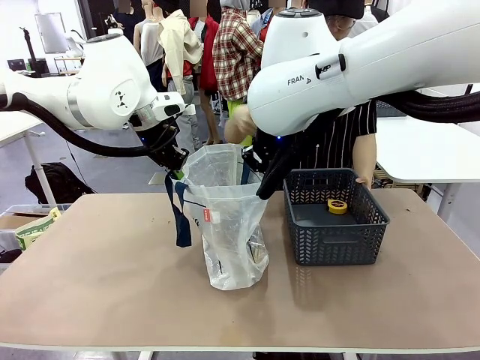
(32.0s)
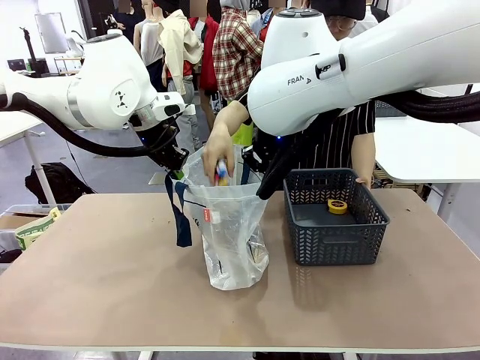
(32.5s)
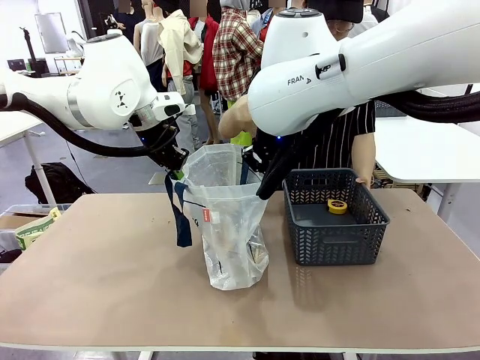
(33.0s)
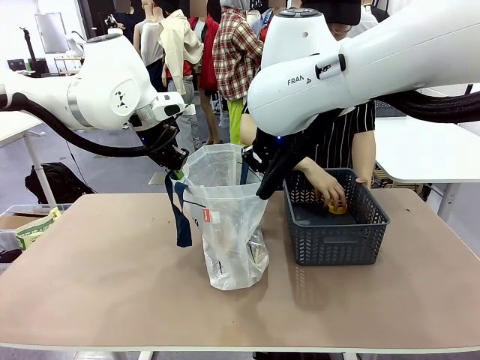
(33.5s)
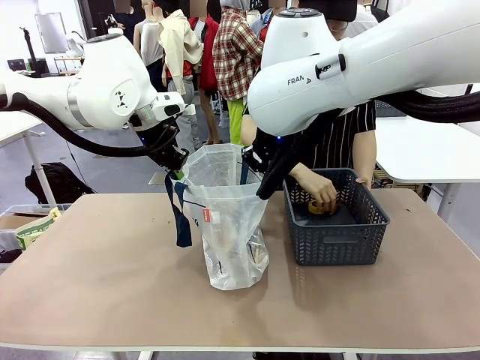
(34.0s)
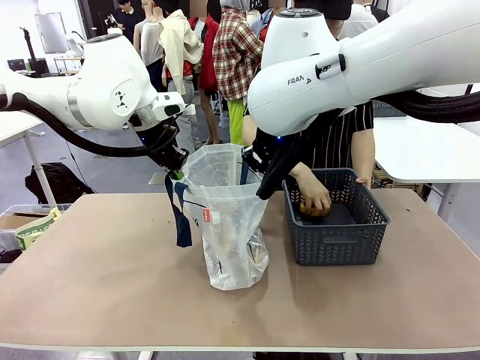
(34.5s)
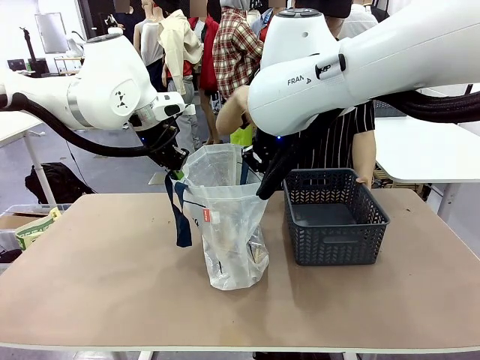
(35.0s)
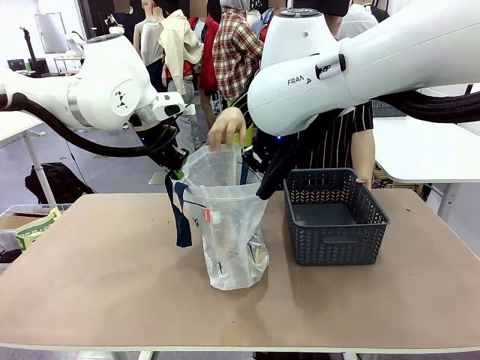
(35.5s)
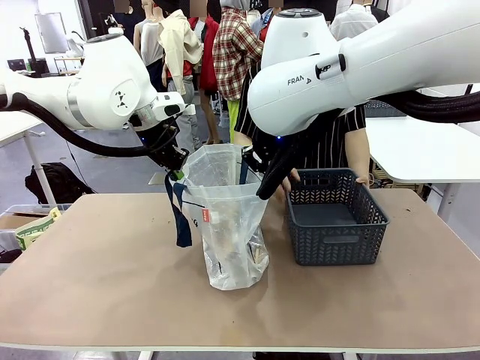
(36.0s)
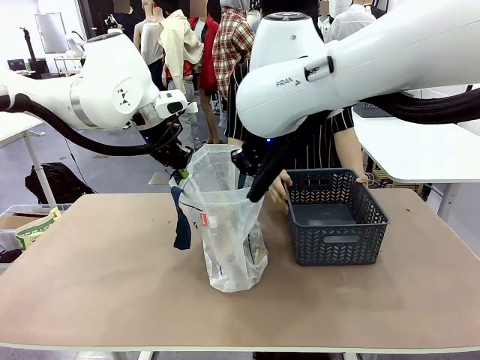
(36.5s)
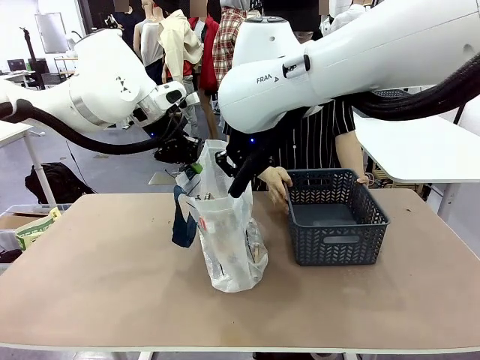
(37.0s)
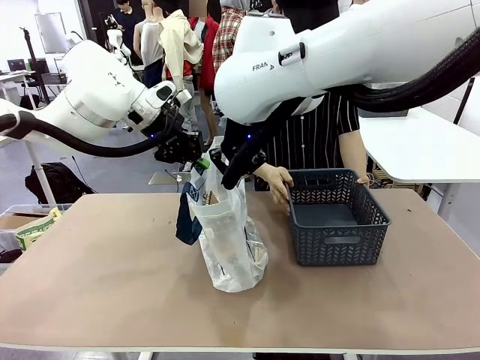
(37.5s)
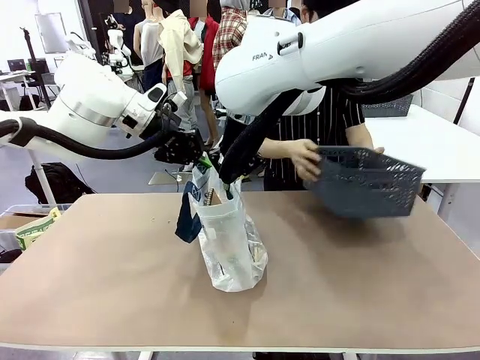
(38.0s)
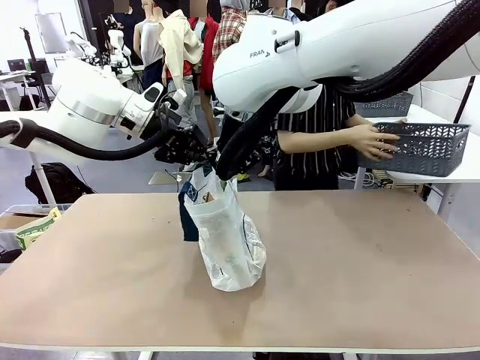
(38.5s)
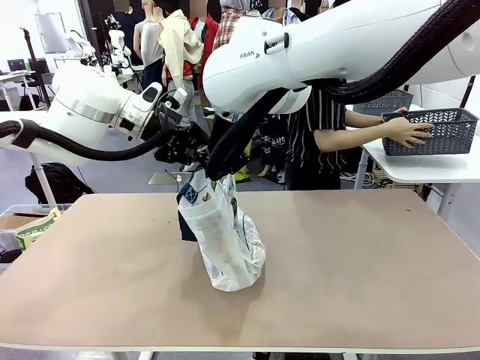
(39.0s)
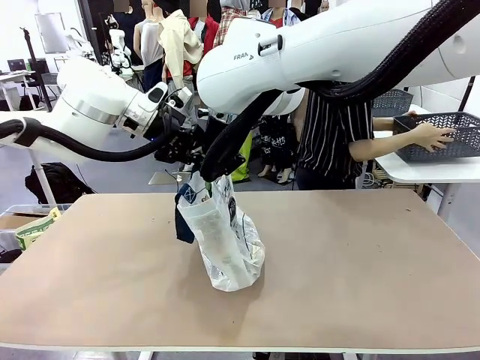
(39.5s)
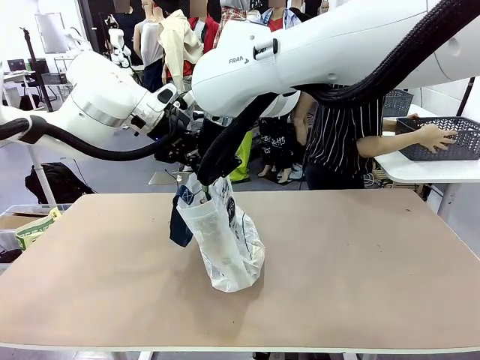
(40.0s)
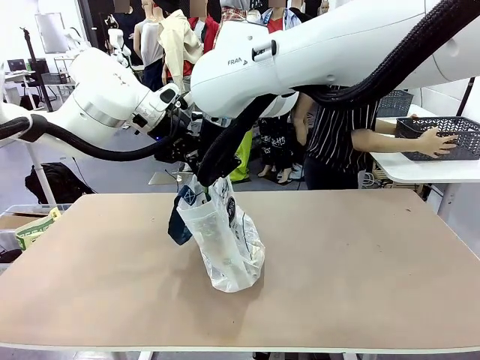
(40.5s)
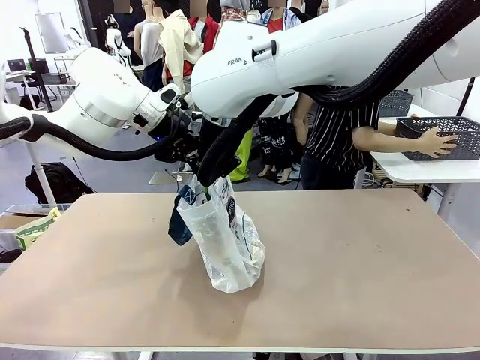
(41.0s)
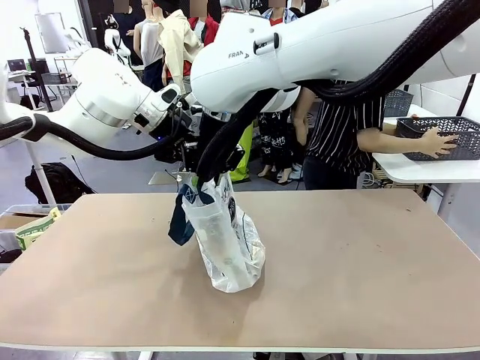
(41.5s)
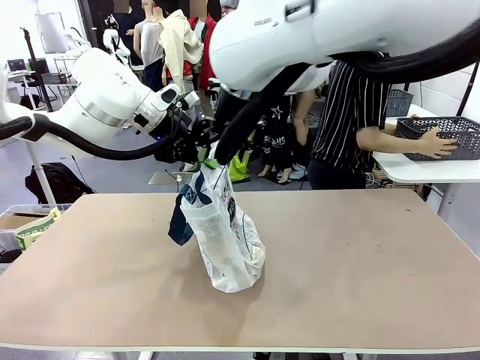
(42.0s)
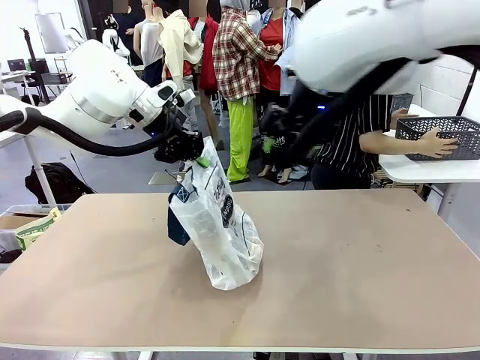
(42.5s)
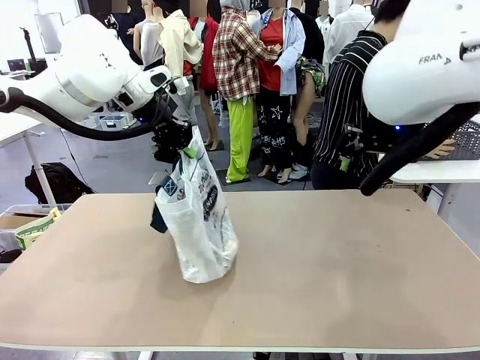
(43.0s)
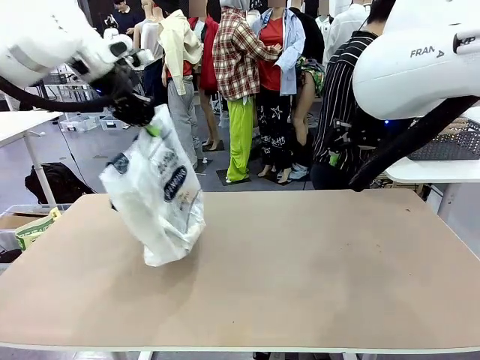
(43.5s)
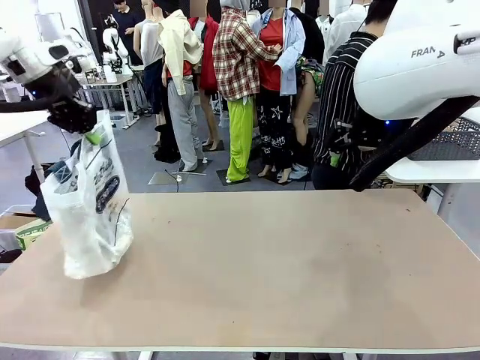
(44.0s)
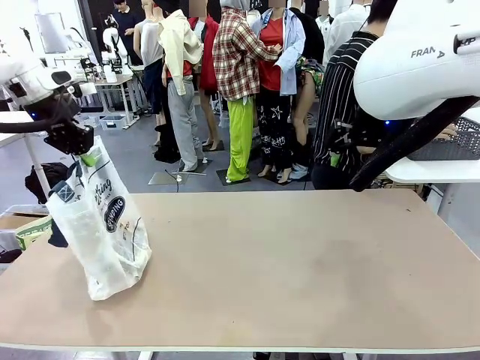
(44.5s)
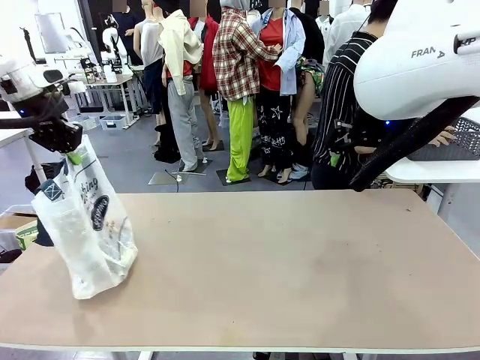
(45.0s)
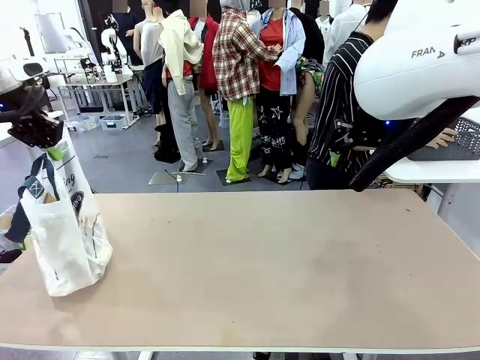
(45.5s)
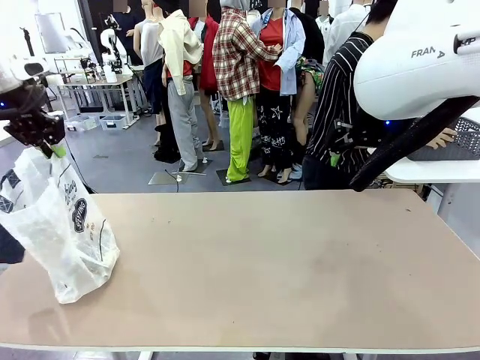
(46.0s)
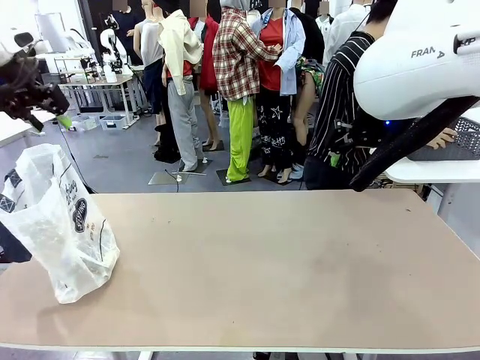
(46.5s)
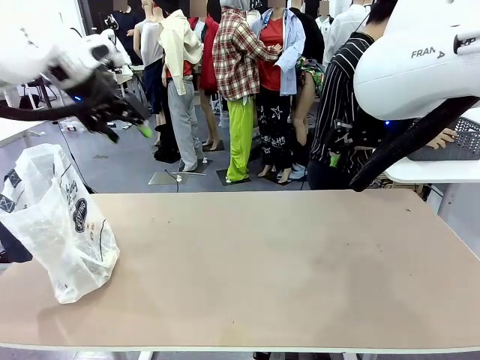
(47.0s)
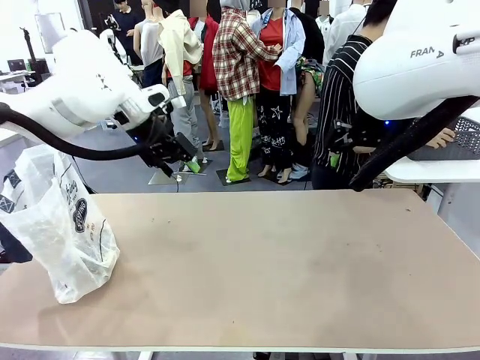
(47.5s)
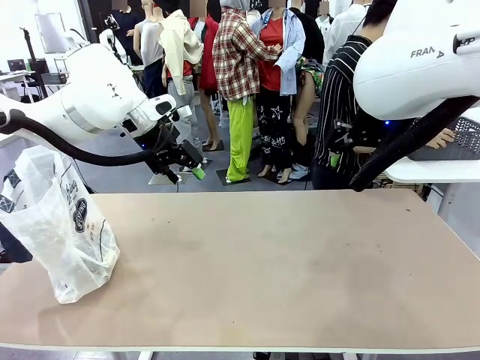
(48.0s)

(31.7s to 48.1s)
Task: Transfer purchased items from the store into the shopping bag.
Robot: Move the Reusable shopping bag to the right side of the table.
Person: Move the basket on the left to the middle of the person's table.

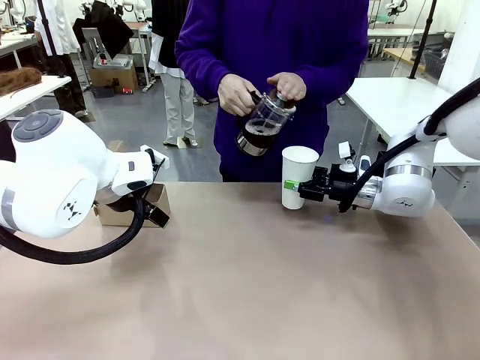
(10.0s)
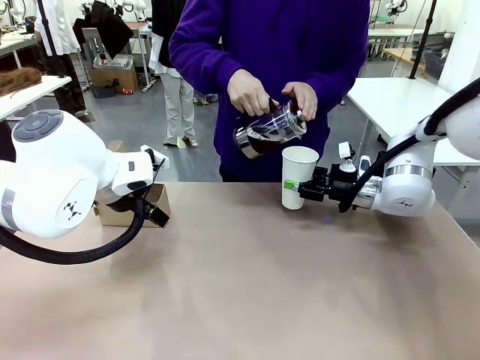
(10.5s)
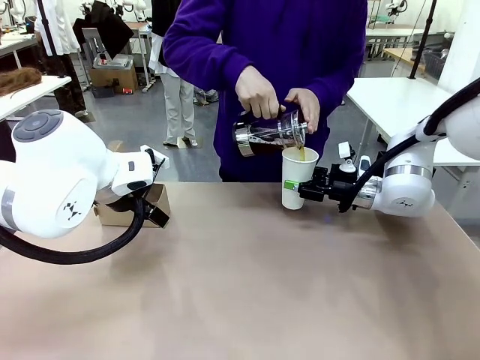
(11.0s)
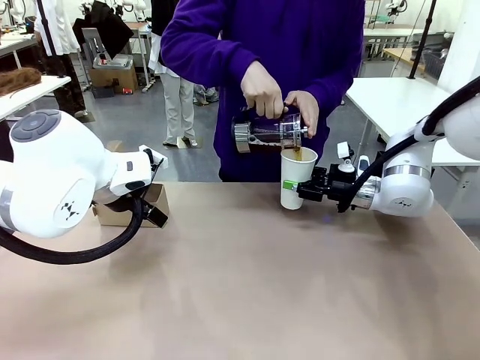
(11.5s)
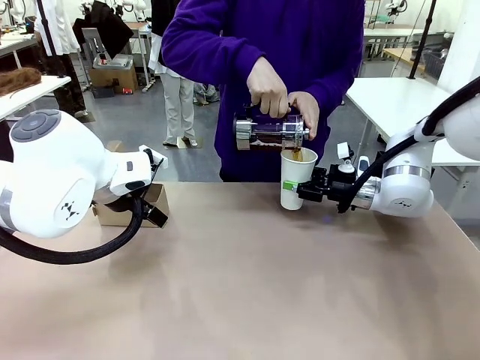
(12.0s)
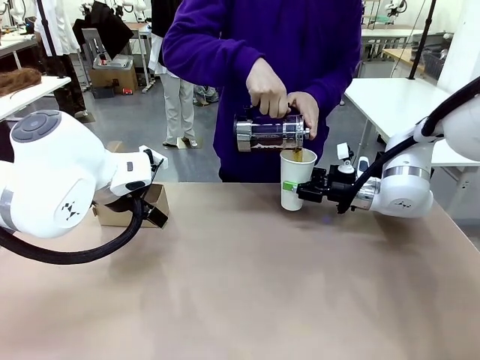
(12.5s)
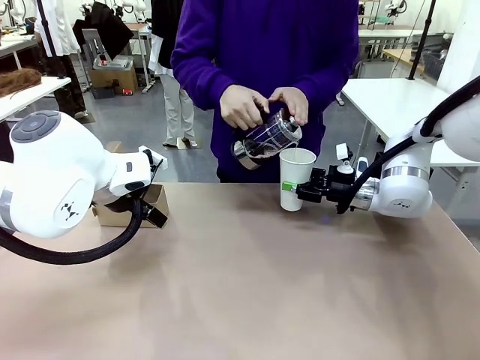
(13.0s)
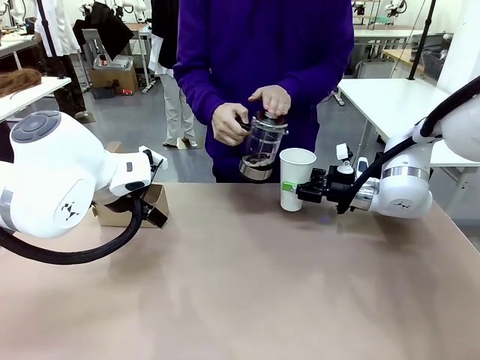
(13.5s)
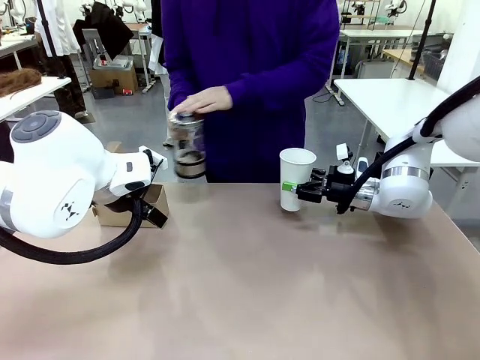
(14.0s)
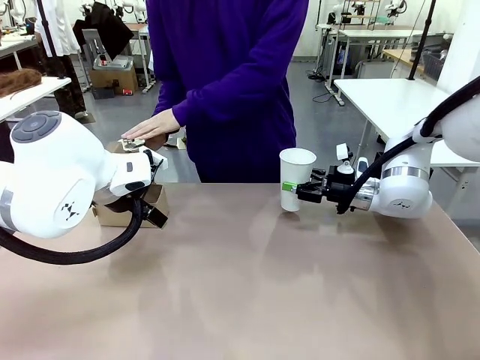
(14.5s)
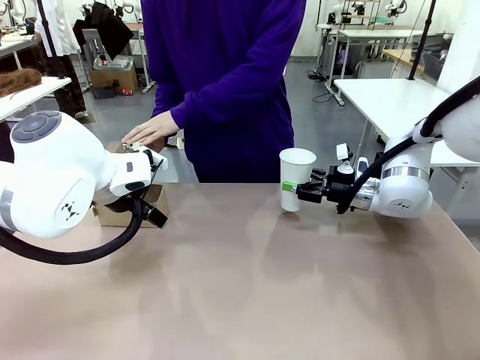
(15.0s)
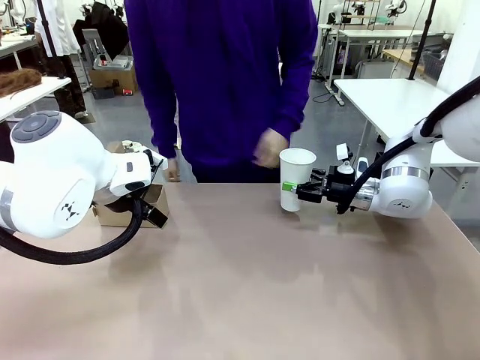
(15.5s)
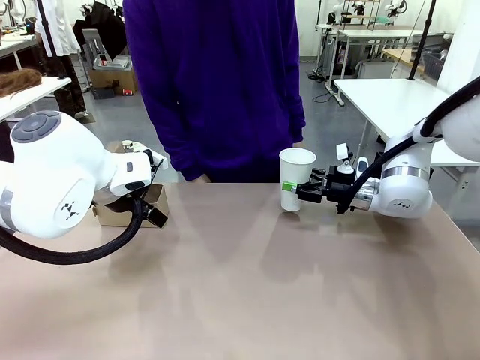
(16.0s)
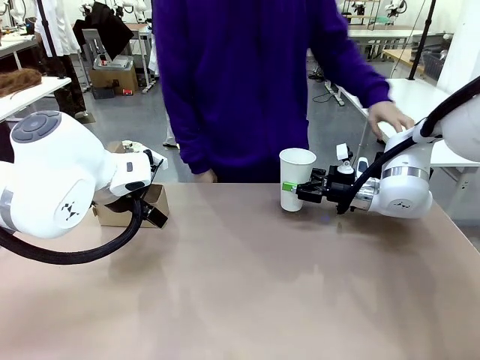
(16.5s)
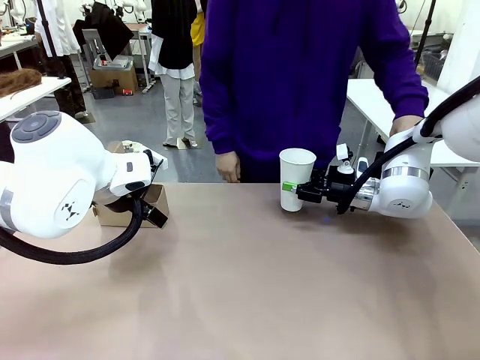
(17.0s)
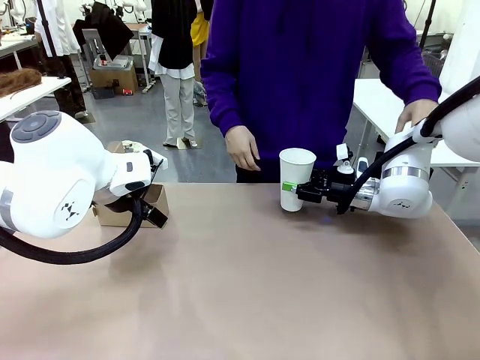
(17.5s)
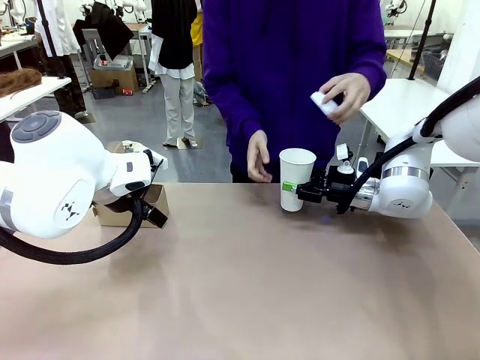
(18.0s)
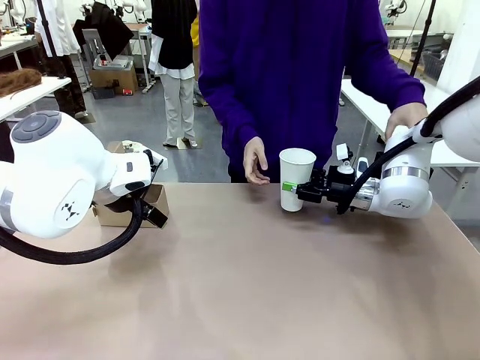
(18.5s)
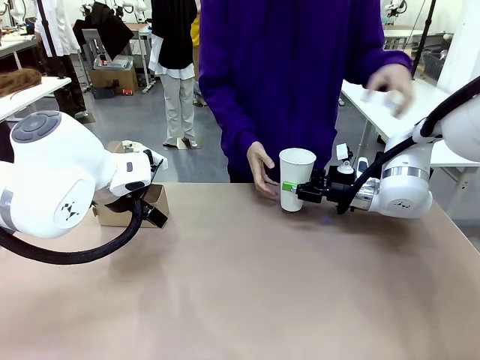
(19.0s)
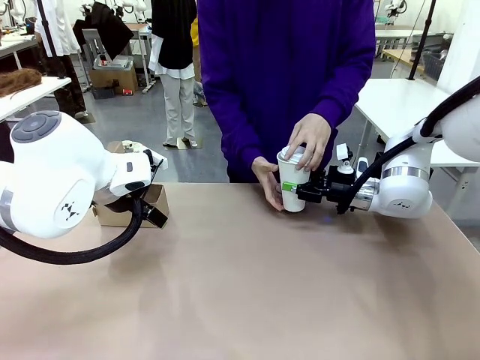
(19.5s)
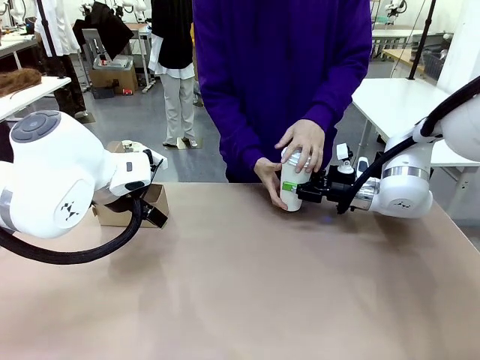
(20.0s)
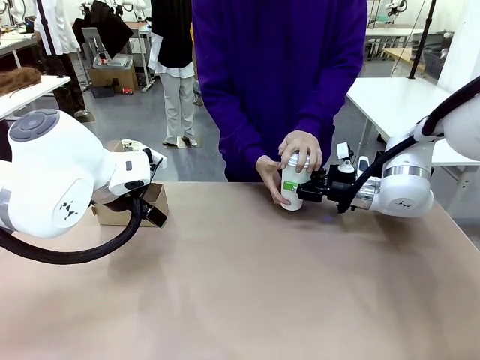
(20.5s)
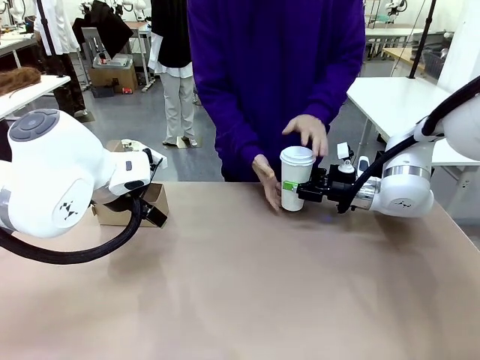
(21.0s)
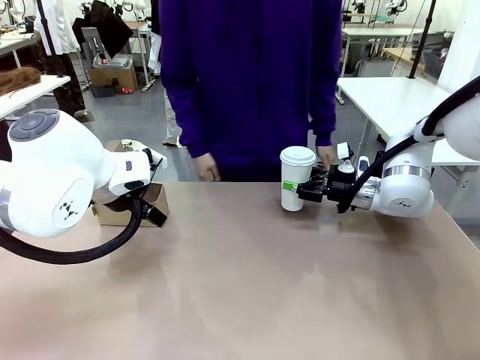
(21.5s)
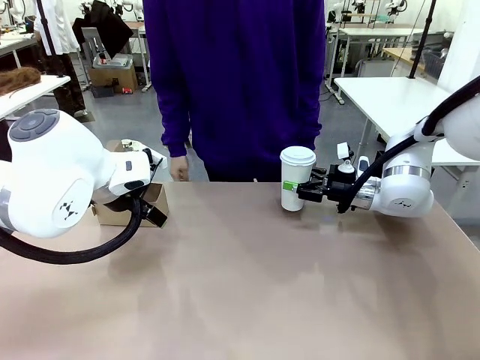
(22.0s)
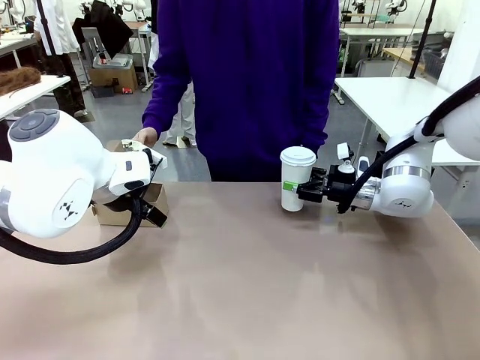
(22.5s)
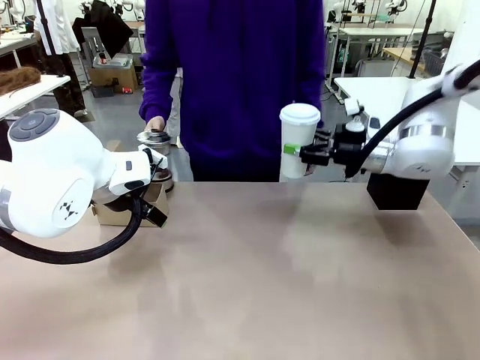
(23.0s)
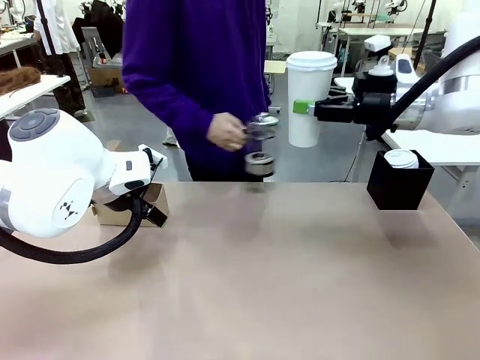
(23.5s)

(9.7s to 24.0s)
Task: Pour a drink into a cup and package it in a carrier.
Robot: When a person places the Paper Cup Lid on the 600 ml Paper Cup , lift the 600 ml Paper Cup.
Person: Pour the drink from the Filter Brewing into the 600 ml Paper Cup. Place a Paper Cup Lid on the 600 ml Paper Cup.
